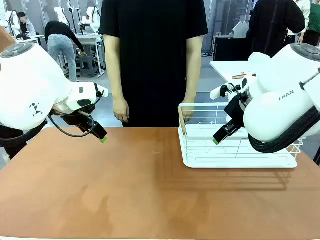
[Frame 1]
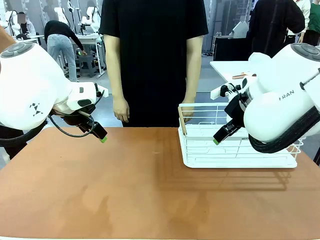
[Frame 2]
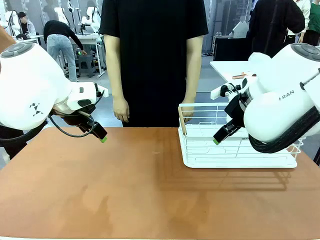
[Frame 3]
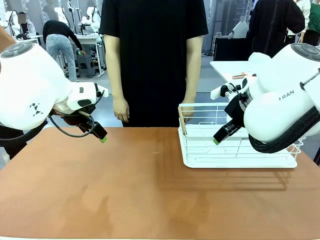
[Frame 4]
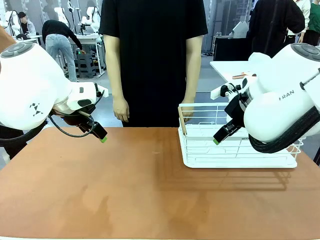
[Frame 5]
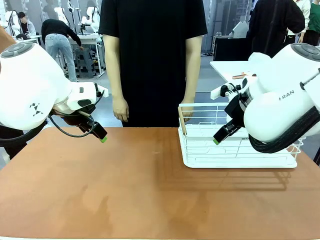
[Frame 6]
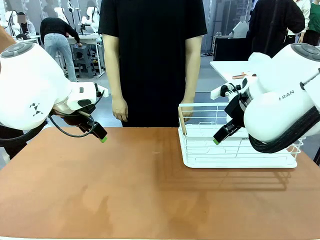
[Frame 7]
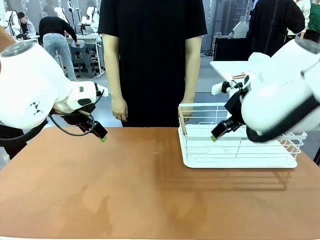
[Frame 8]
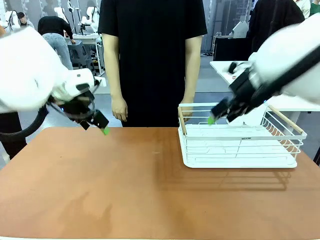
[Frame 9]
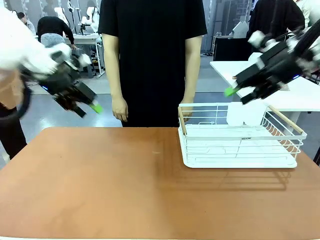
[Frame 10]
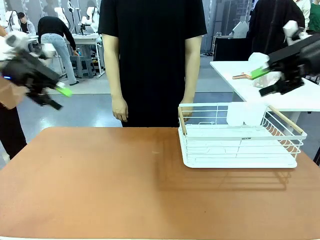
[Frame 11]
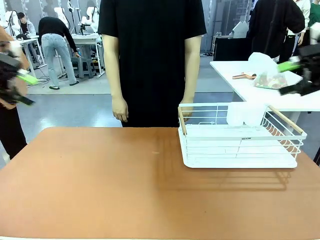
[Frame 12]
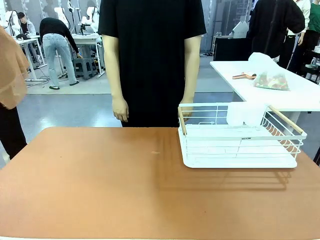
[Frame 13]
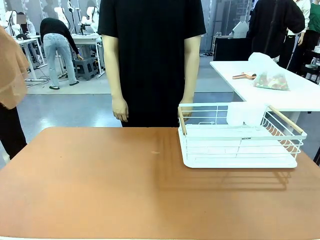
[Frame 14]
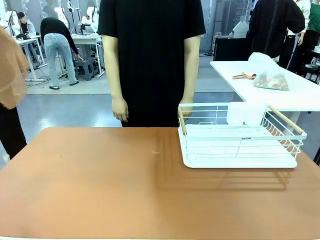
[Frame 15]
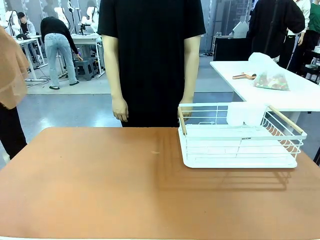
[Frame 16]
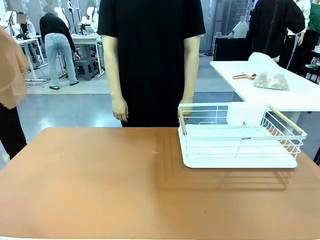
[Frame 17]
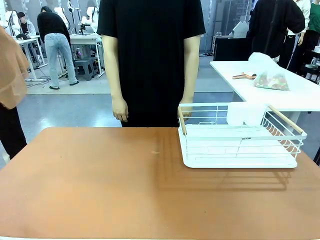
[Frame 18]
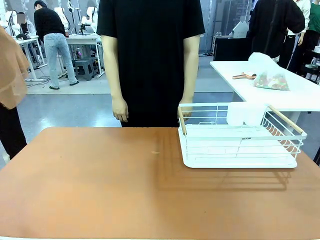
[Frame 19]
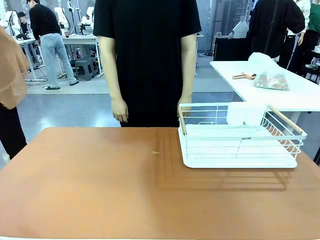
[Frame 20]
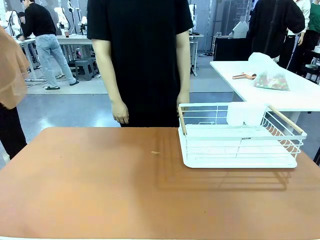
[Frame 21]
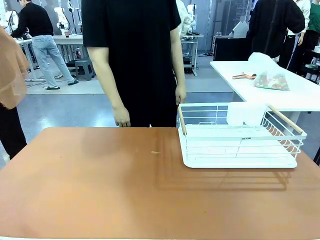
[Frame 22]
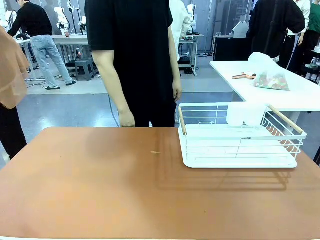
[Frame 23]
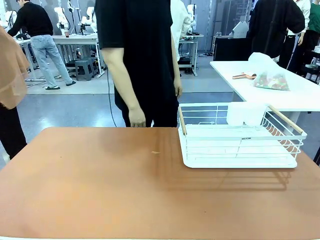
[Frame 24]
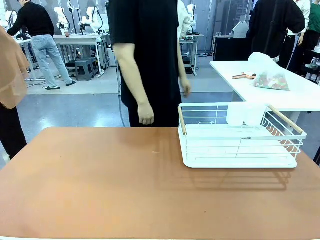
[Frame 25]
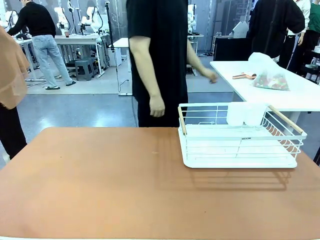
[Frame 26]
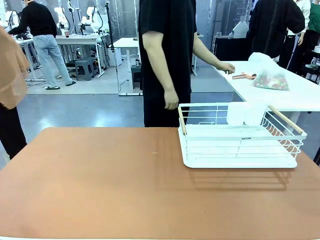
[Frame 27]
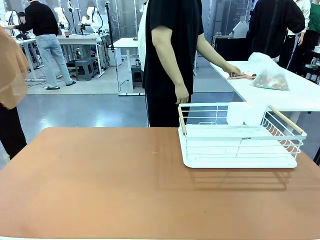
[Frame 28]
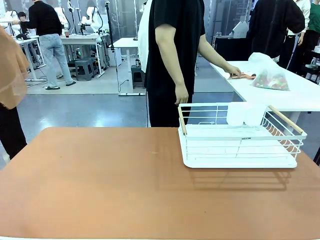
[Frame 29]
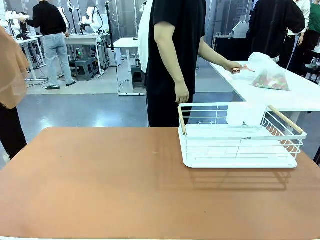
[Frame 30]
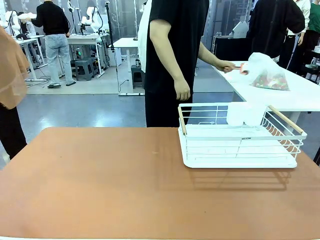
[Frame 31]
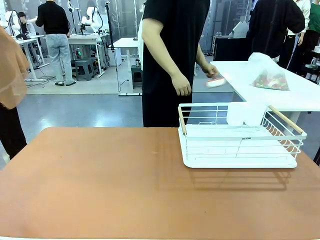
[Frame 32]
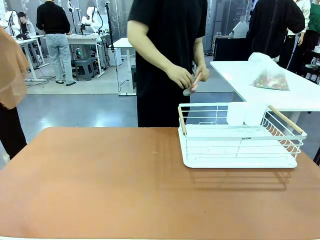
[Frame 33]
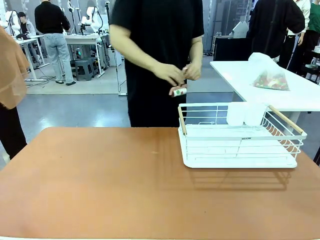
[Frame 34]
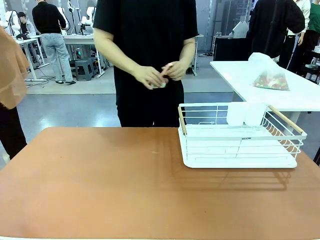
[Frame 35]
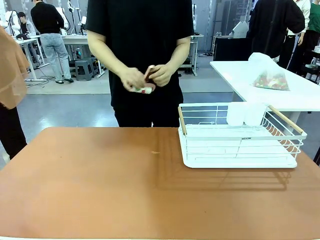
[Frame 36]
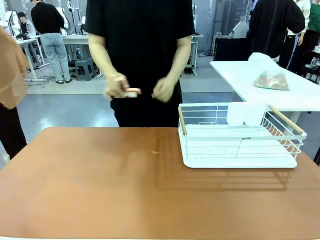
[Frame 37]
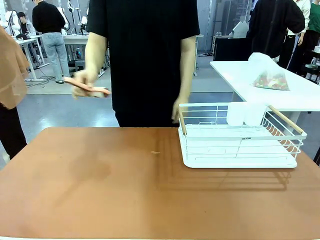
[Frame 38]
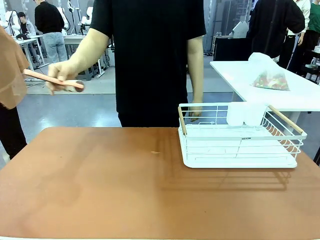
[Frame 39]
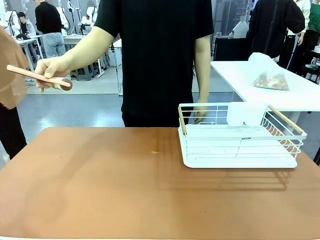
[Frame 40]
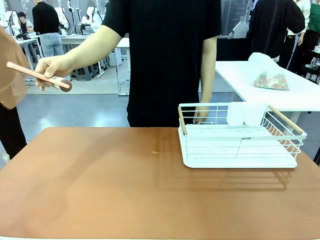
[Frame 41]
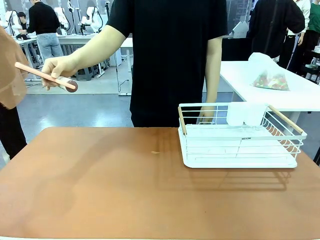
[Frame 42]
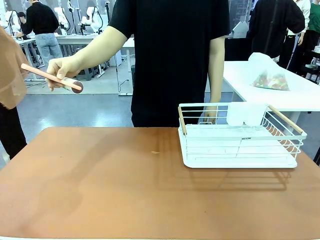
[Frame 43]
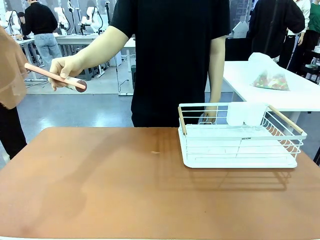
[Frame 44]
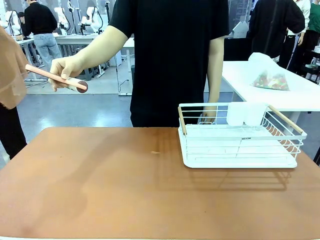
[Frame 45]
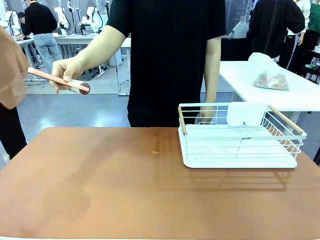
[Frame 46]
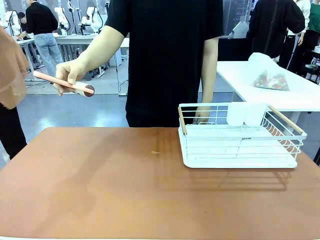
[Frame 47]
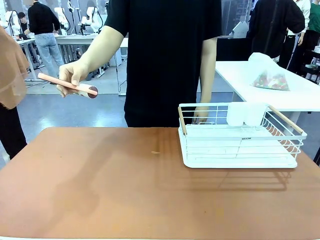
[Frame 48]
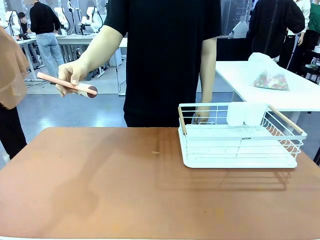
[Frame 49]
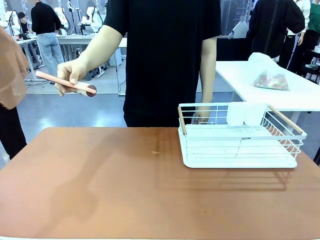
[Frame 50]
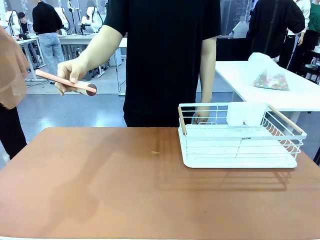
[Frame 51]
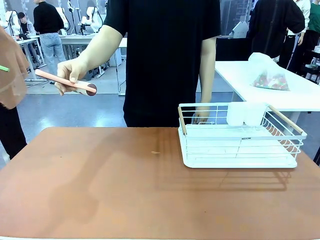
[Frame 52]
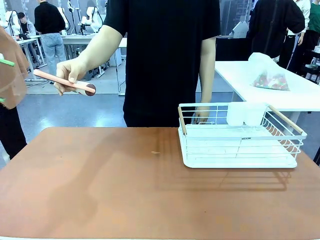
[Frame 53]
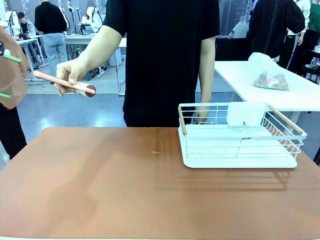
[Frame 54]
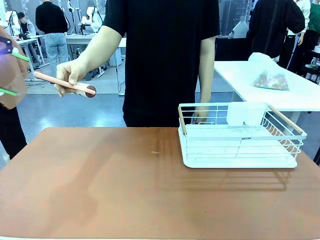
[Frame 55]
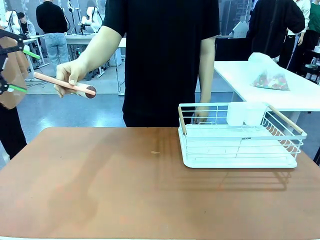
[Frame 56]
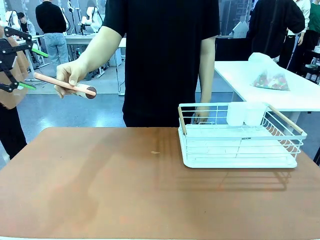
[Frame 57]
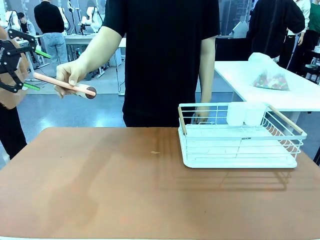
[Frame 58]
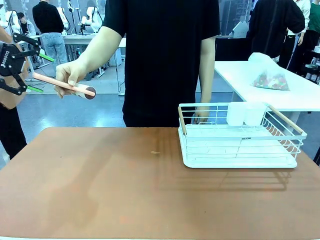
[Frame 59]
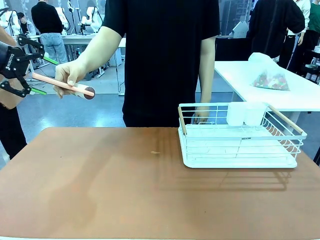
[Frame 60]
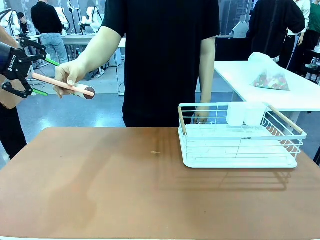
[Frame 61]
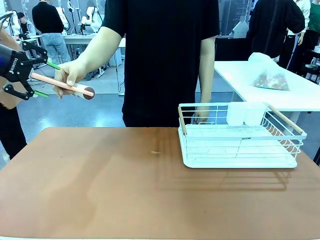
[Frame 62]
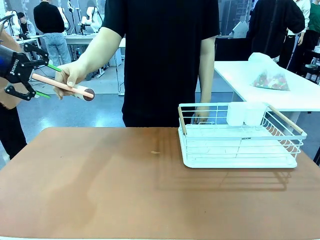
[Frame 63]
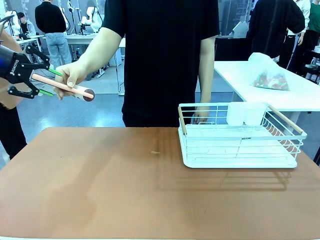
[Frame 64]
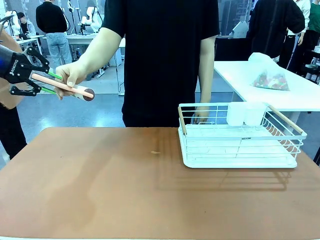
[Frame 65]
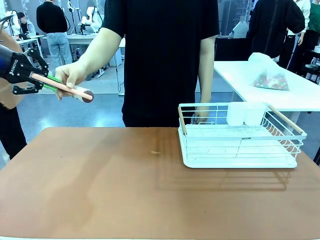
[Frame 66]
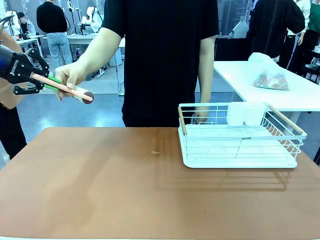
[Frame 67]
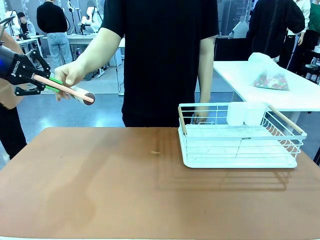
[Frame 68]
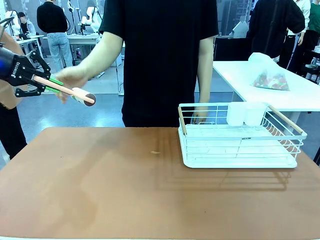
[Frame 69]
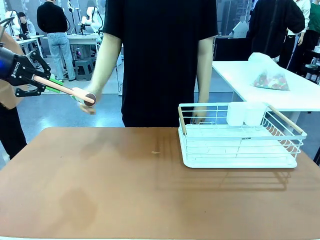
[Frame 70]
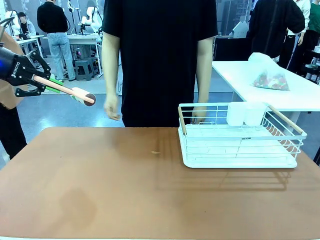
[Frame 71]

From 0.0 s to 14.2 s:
Task: Clean the table.
Robot: Pick up the Lint Roller when the human hands it over.
Person: Hand the Lint Roller to the robot so it can easily pick it up. Lift the Dish drying rack.
